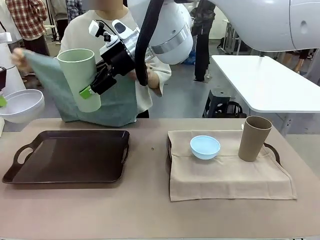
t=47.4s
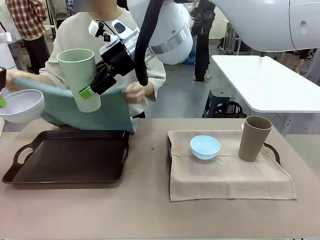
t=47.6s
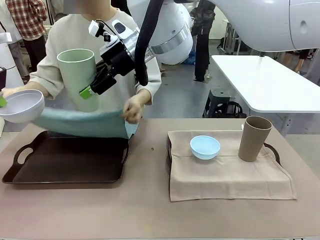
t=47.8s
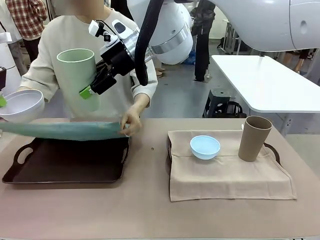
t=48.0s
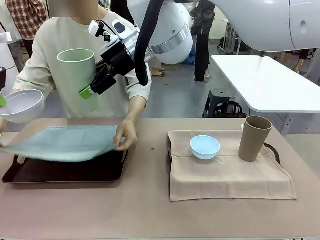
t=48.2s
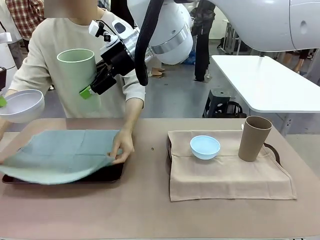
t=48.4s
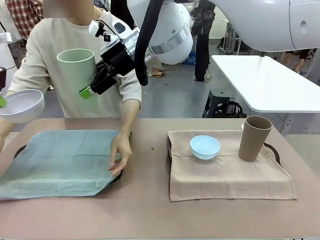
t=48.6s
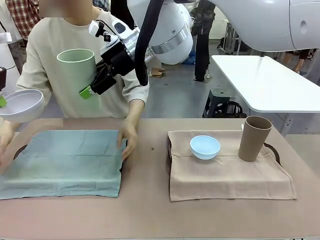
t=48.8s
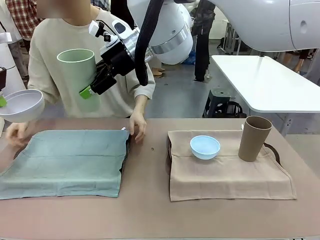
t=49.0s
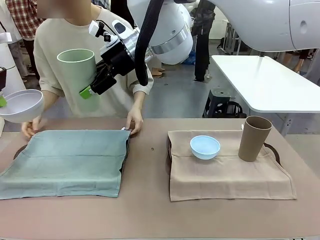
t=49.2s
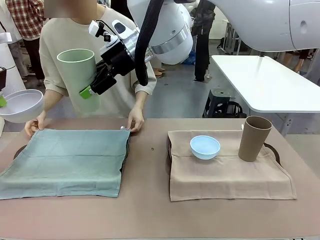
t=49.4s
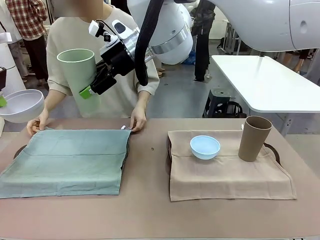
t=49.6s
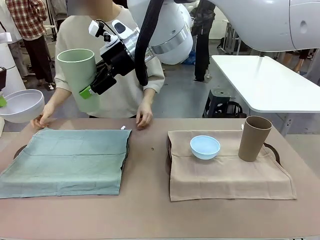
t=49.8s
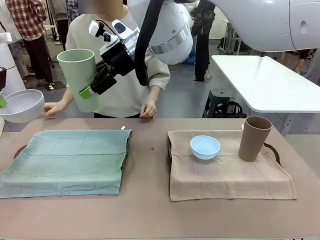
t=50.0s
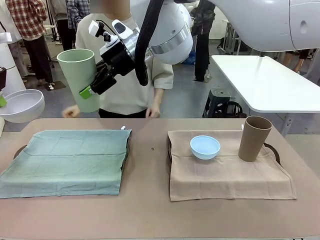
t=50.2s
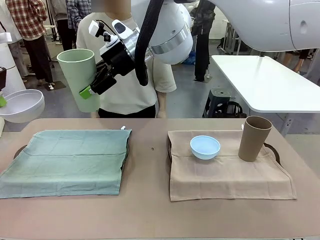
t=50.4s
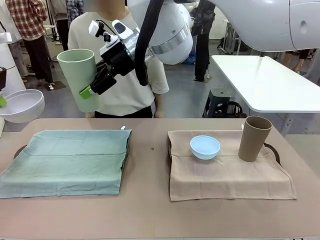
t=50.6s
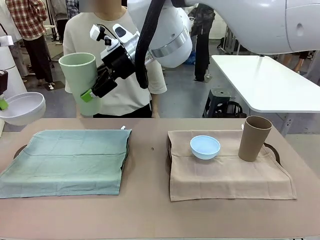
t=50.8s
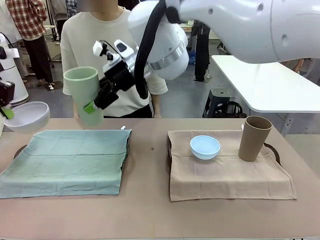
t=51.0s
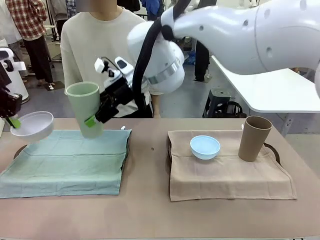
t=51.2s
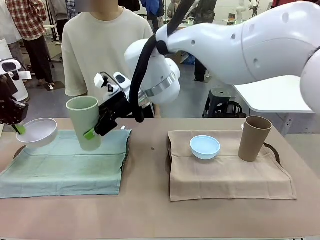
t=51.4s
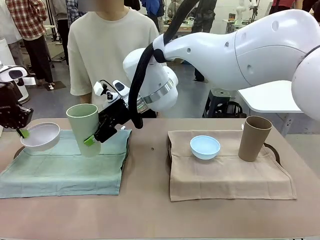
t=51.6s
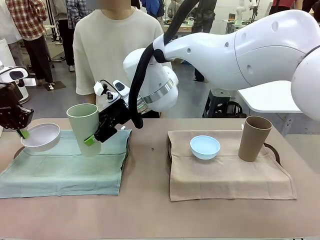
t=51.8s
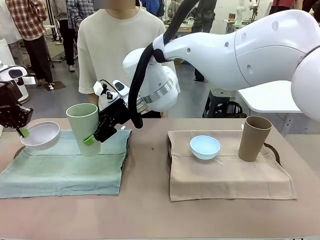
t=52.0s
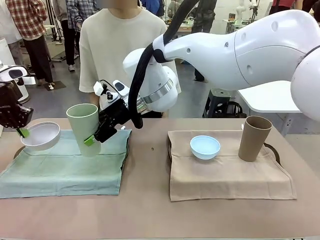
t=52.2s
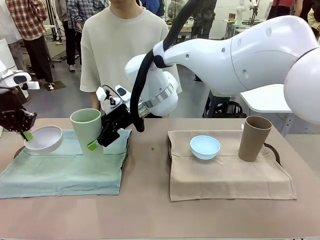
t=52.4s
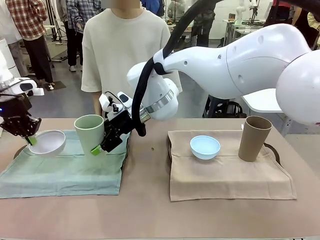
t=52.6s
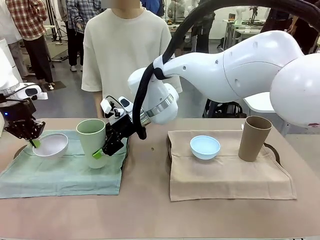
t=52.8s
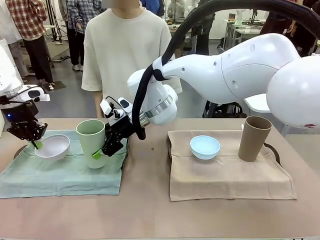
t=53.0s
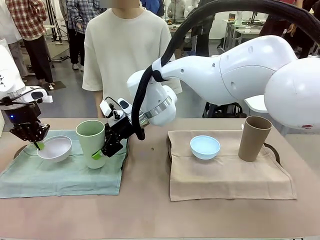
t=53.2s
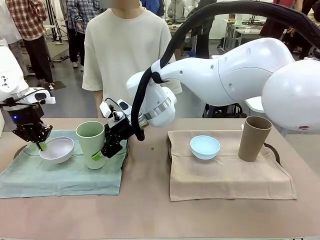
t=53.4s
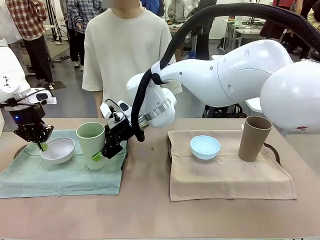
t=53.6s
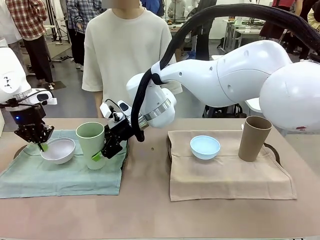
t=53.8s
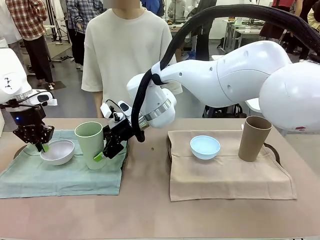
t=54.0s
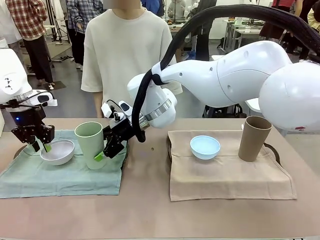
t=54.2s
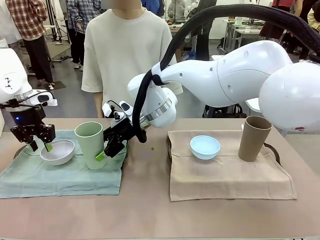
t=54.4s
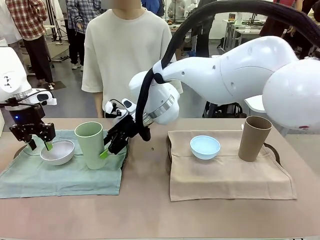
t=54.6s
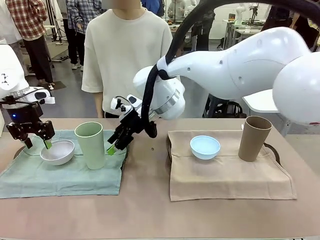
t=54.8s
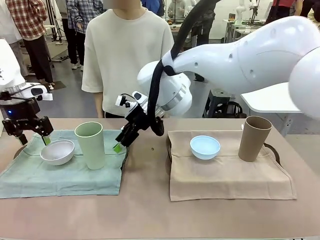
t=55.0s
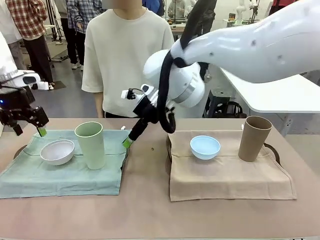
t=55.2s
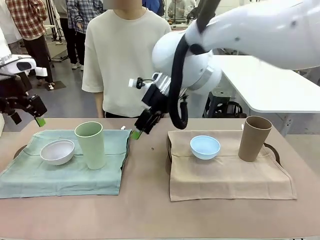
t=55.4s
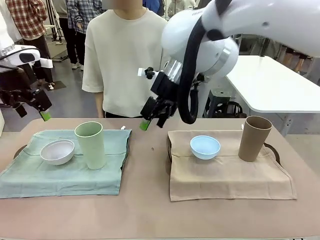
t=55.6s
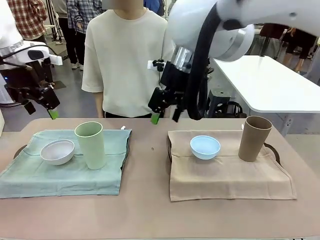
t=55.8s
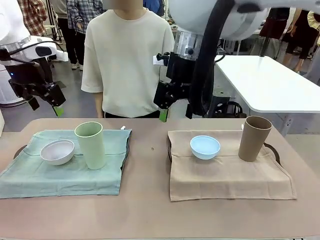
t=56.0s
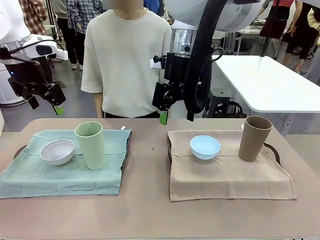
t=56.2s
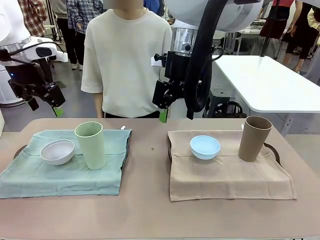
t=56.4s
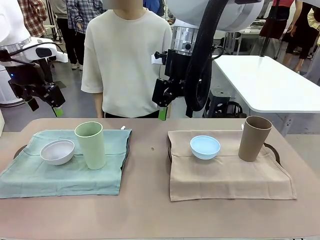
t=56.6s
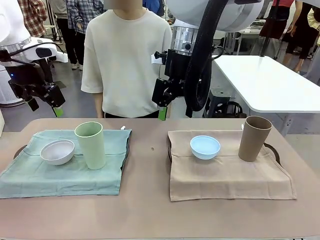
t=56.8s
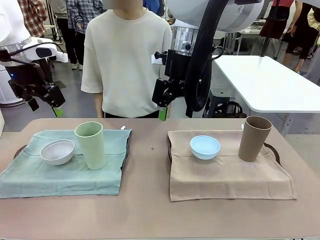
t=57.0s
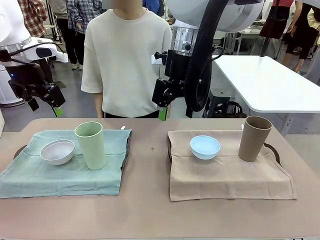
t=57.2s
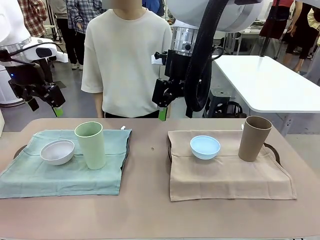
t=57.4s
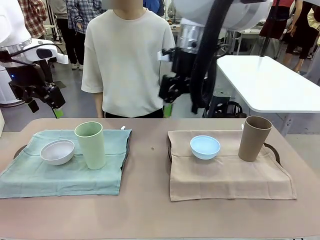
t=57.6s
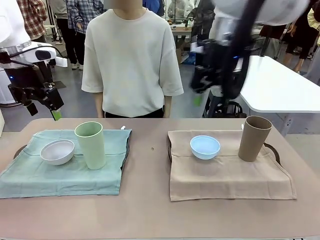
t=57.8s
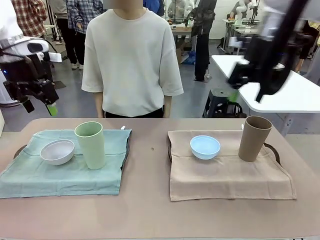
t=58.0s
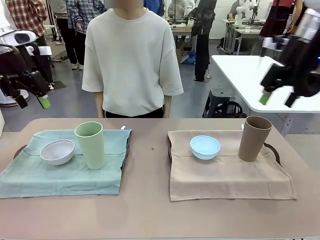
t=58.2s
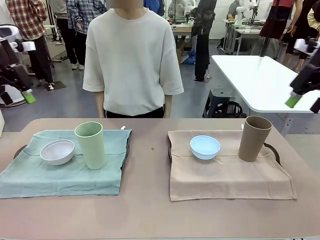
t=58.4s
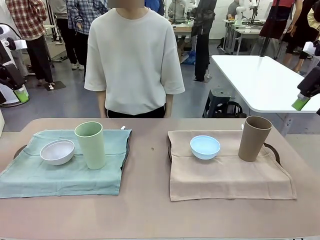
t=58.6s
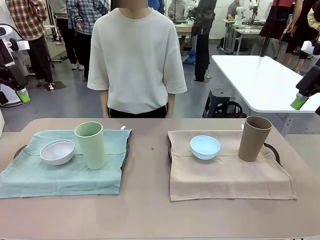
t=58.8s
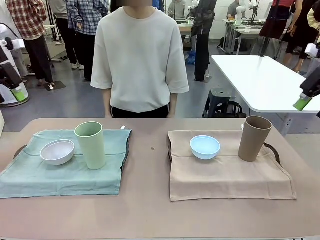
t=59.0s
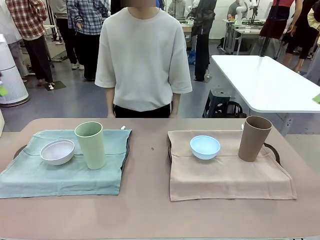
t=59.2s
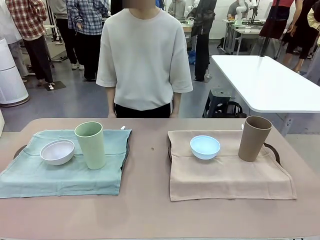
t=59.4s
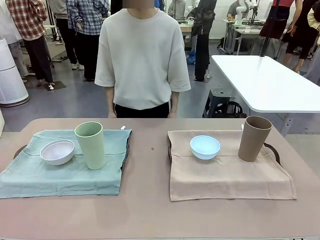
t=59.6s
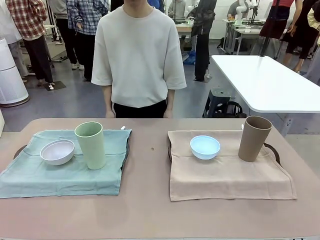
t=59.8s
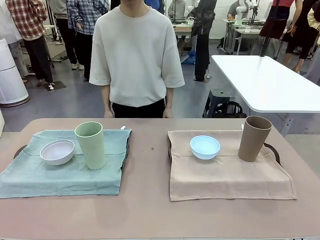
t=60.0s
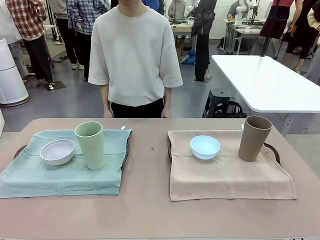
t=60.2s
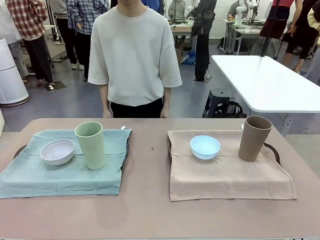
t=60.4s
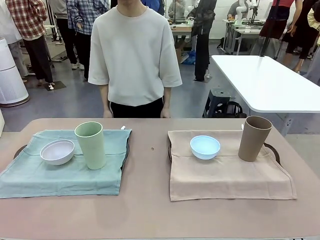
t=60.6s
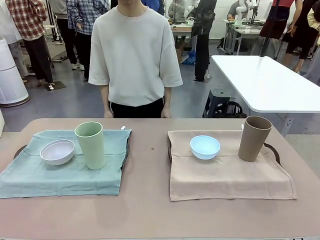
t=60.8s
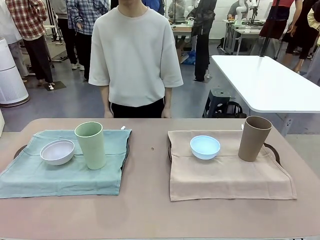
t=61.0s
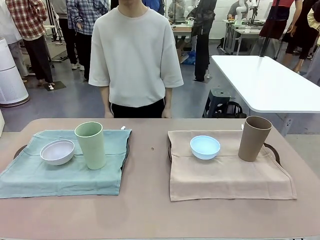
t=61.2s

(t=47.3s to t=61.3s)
Robot: Place the Picnic Bowl and Reusable plastic cup back onto the Handle tray in front of the human's position.
Person: When the robot lifts the bowl and the cup, the human unfolds the napkin and lays the napkin flat on the tray.

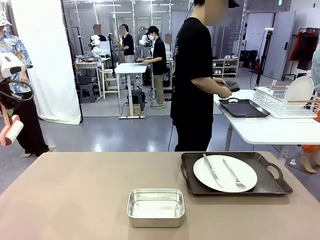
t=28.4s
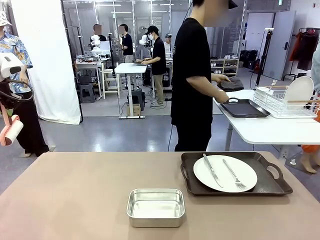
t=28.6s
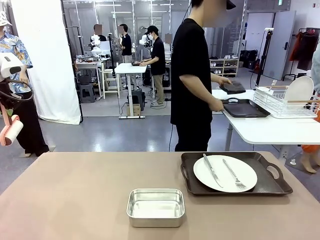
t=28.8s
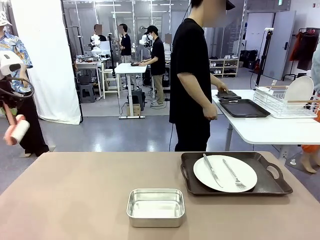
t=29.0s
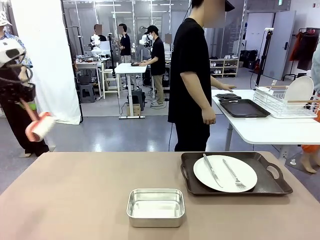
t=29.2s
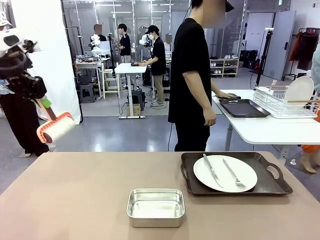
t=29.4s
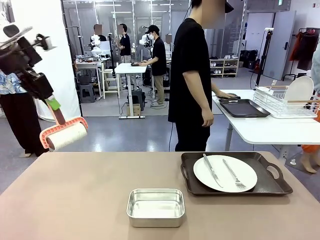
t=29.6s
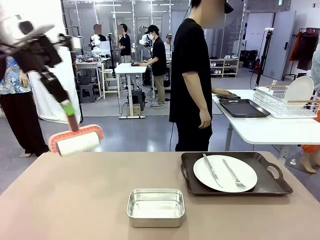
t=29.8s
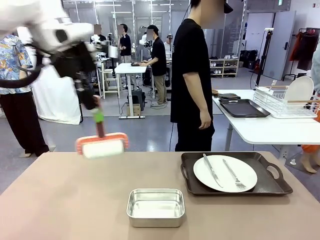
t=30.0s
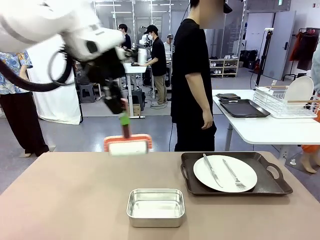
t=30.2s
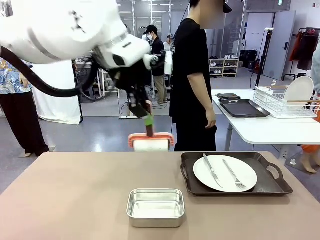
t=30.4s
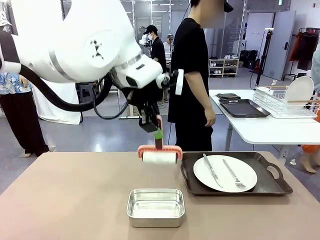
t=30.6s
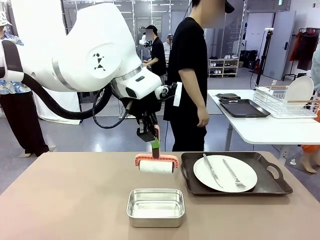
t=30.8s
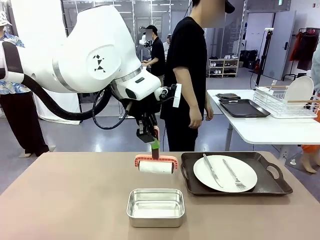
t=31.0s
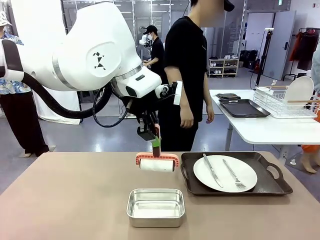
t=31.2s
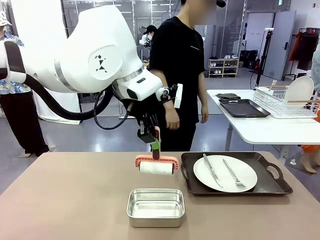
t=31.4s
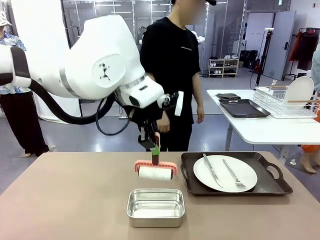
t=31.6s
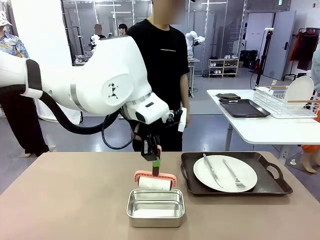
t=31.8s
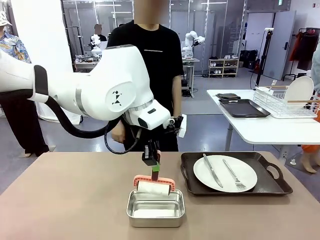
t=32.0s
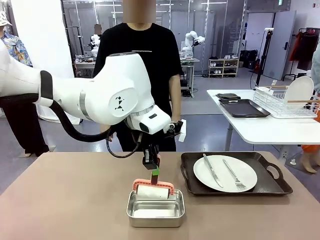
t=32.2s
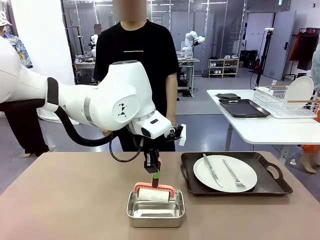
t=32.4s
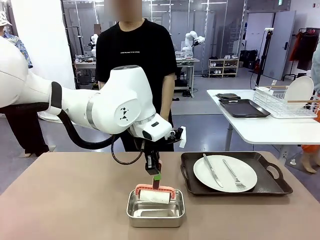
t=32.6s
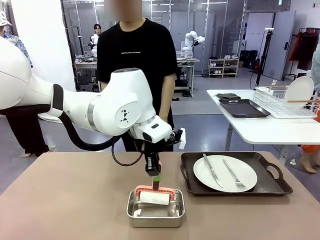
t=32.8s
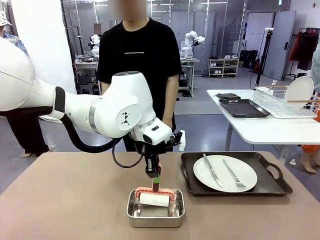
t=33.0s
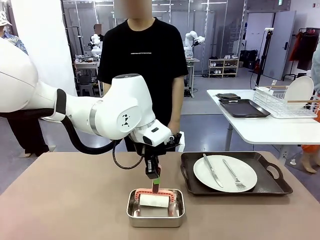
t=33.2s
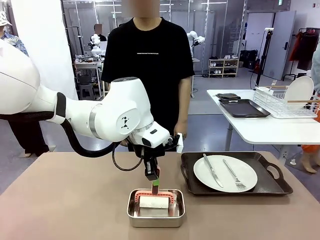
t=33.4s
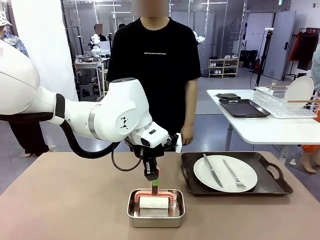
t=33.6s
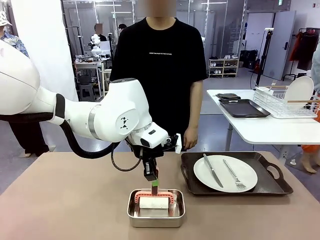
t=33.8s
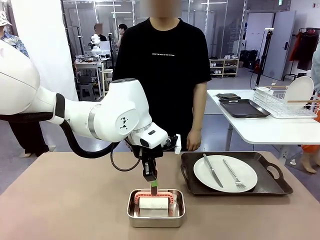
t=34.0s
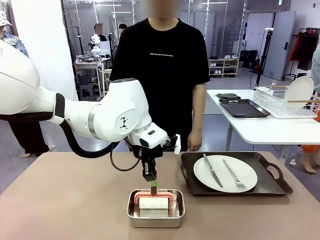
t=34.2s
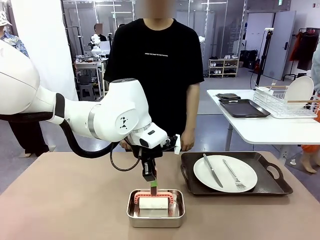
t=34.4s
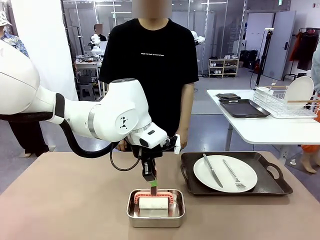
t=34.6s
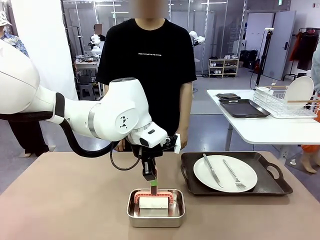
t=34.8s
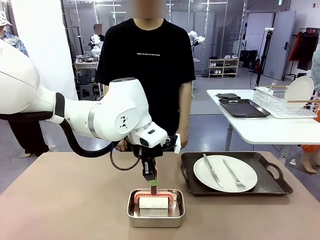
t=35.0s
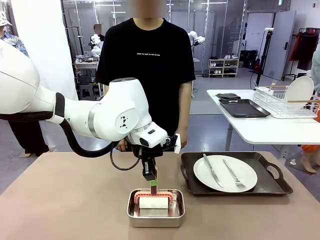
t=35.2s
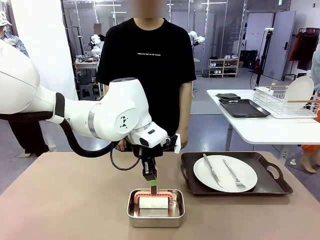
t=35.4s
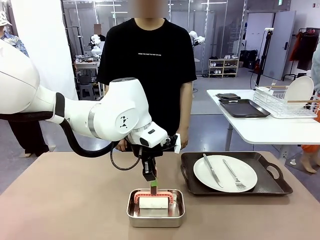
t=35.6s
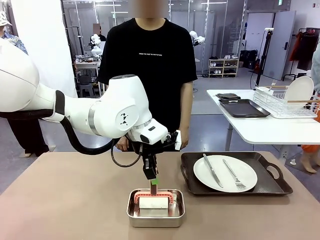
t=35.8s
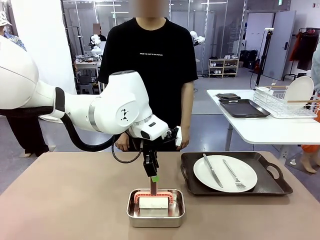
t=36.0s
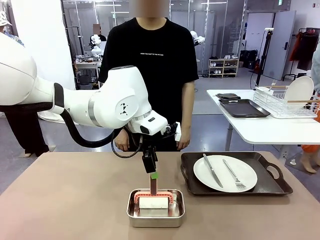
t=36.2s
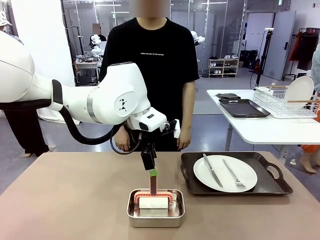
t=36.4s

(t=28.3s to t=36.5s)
Robot: Place the Lint Roller back on top of the Airtight Container.
